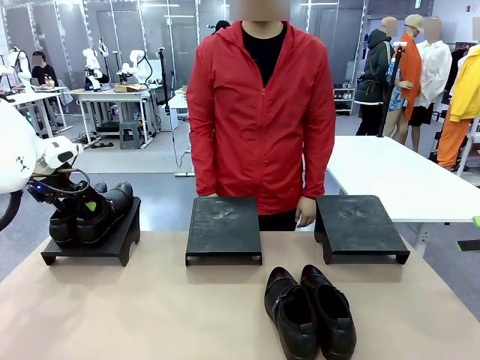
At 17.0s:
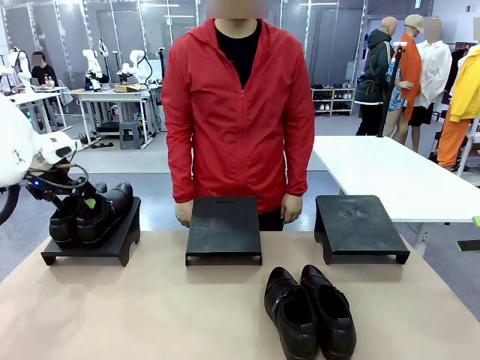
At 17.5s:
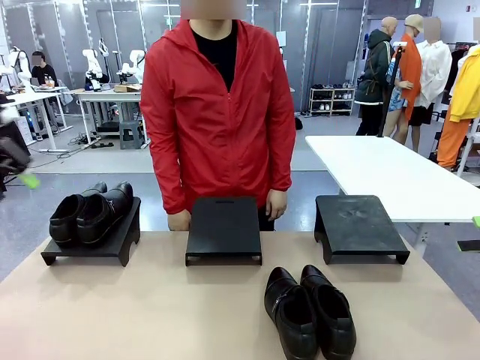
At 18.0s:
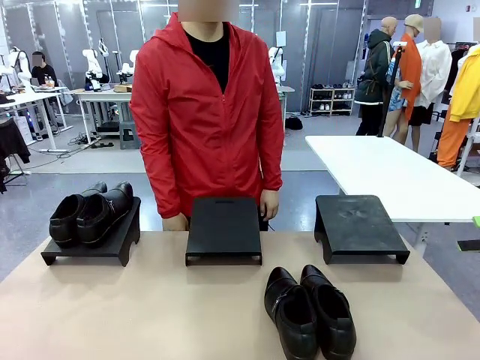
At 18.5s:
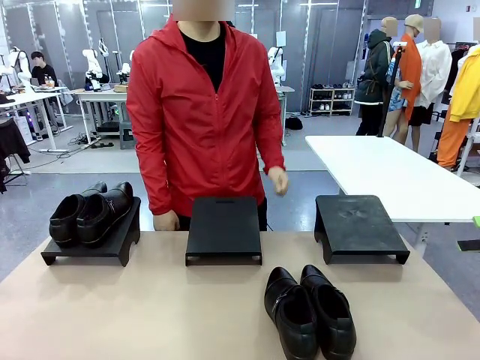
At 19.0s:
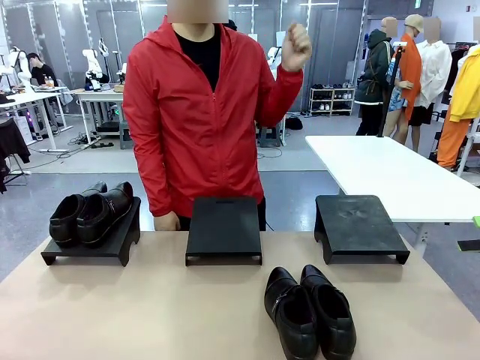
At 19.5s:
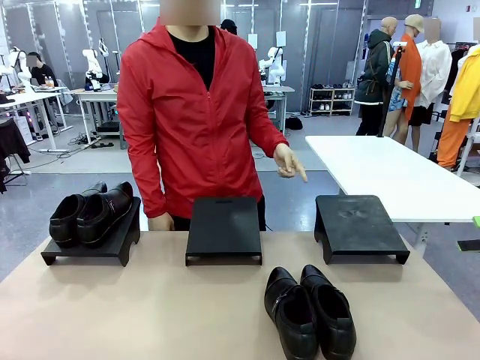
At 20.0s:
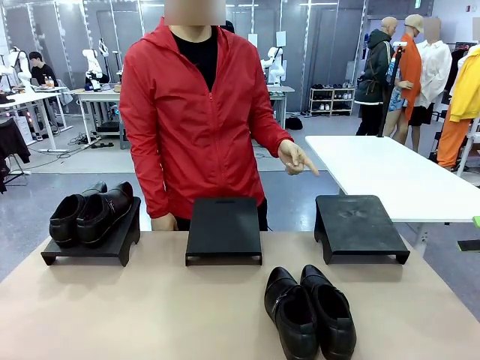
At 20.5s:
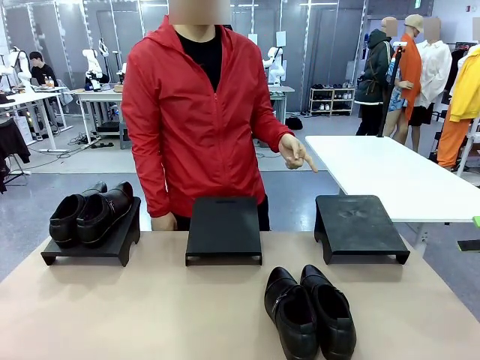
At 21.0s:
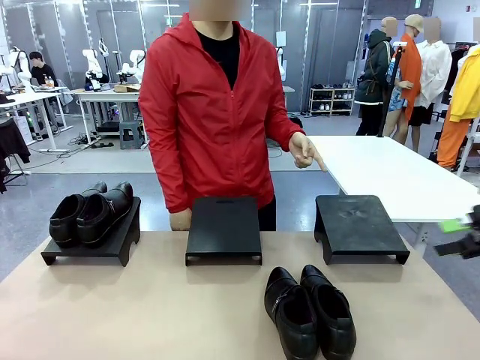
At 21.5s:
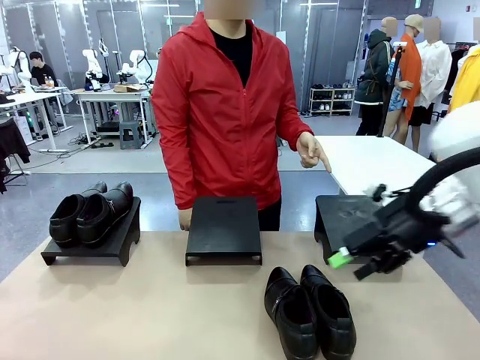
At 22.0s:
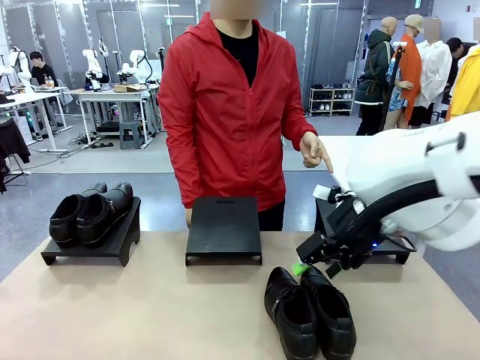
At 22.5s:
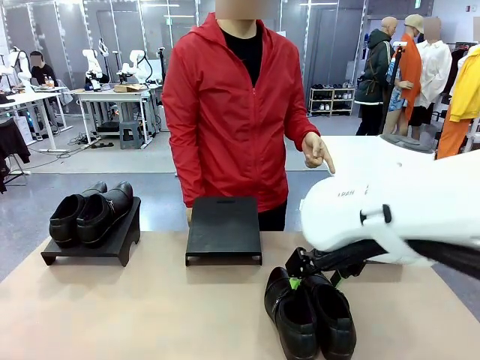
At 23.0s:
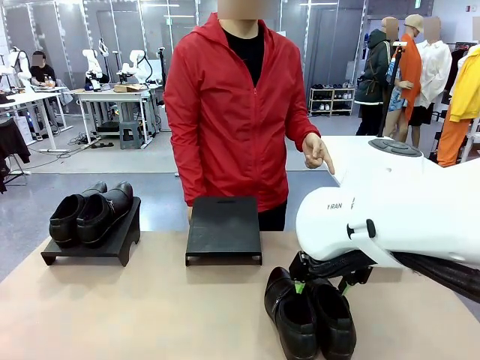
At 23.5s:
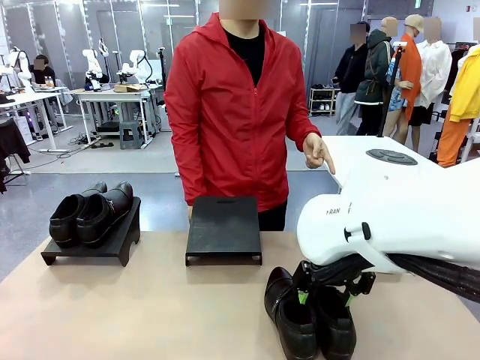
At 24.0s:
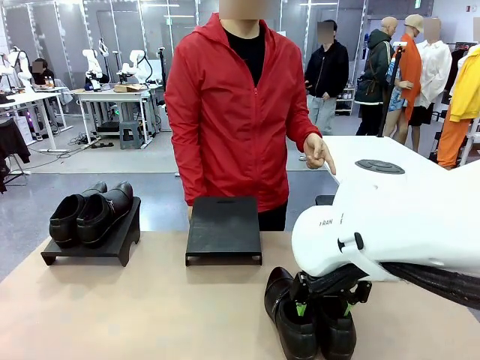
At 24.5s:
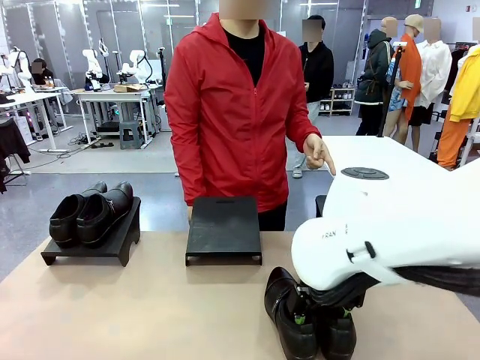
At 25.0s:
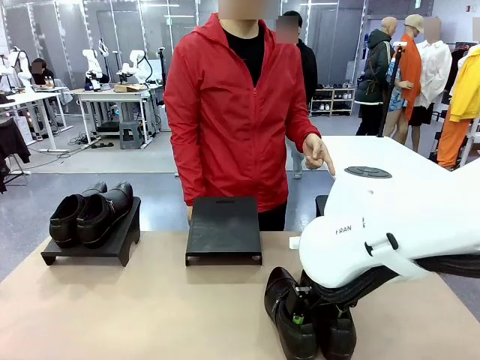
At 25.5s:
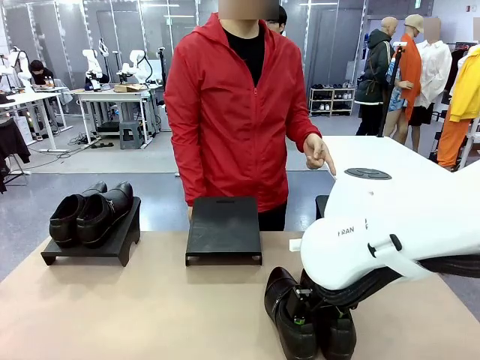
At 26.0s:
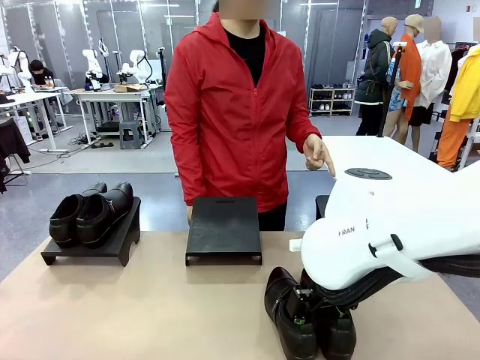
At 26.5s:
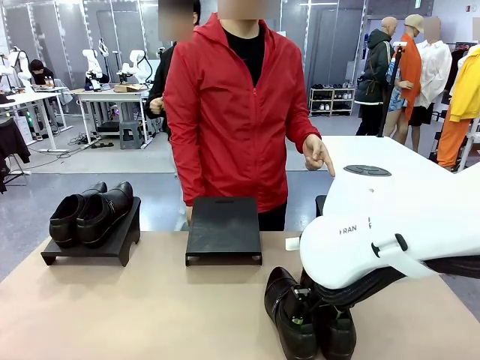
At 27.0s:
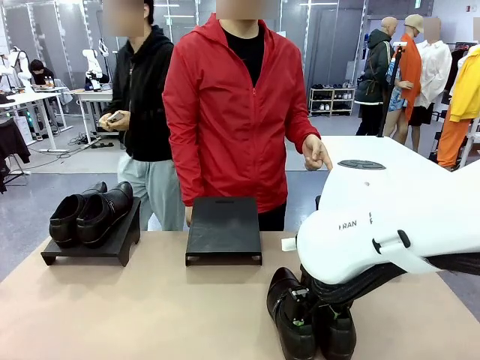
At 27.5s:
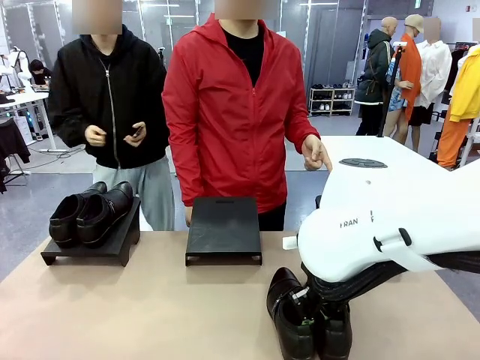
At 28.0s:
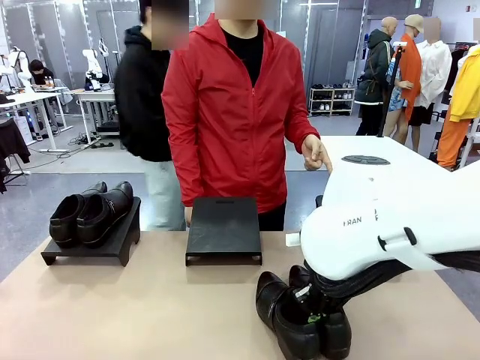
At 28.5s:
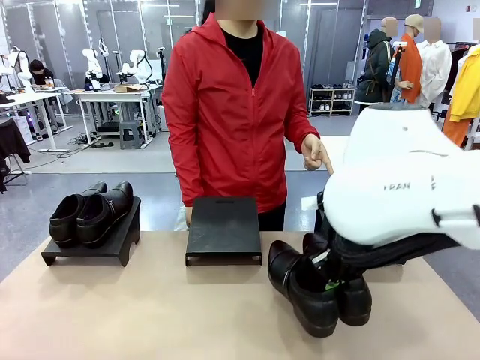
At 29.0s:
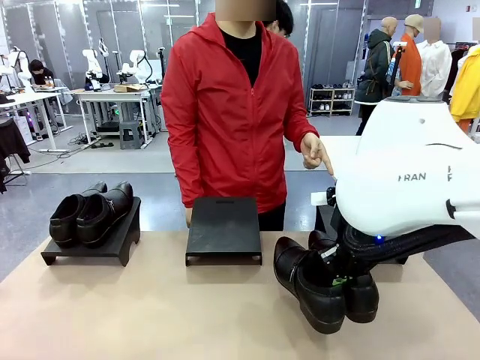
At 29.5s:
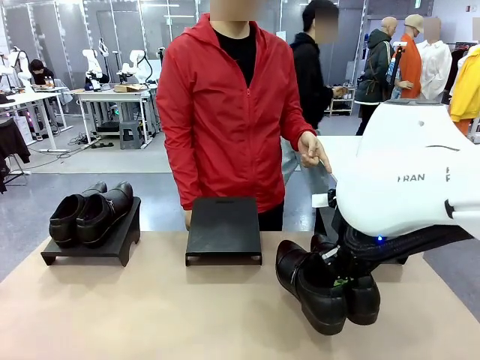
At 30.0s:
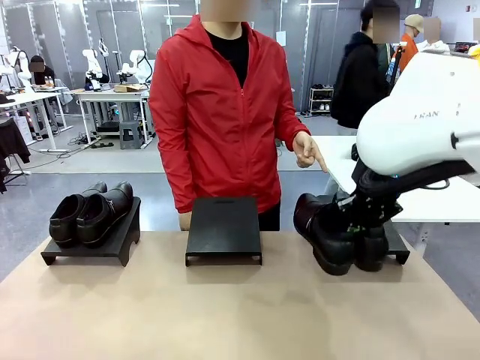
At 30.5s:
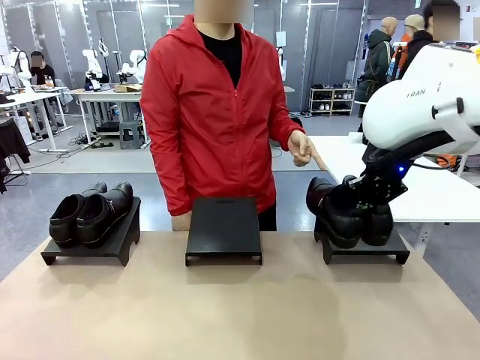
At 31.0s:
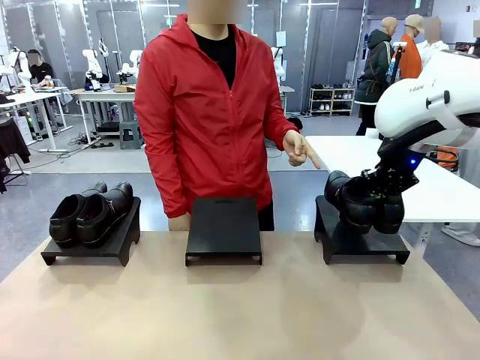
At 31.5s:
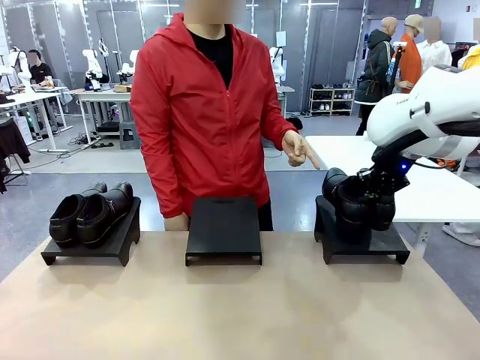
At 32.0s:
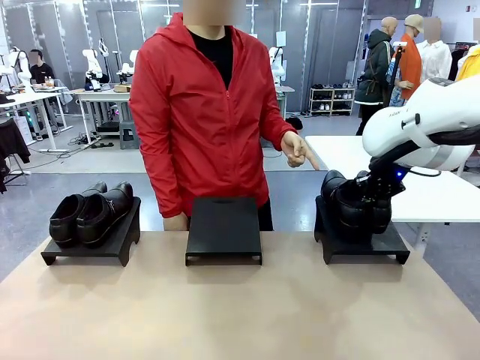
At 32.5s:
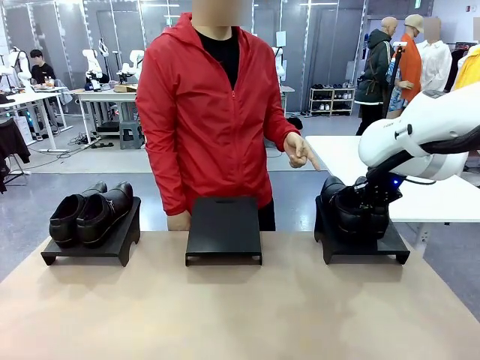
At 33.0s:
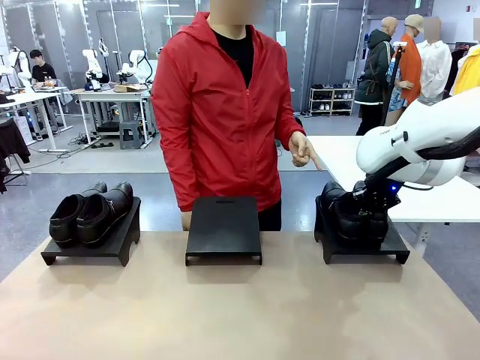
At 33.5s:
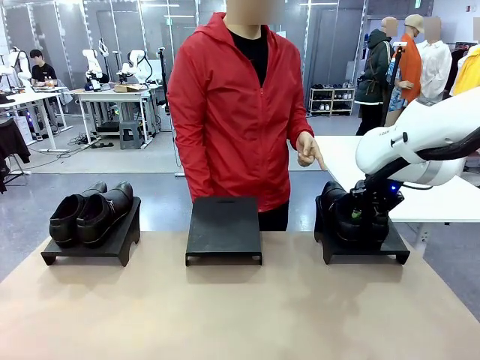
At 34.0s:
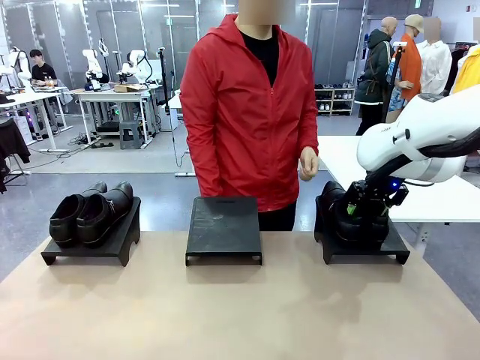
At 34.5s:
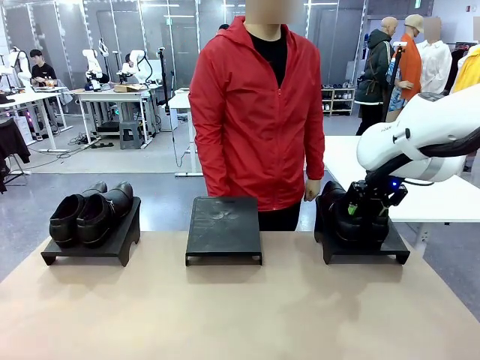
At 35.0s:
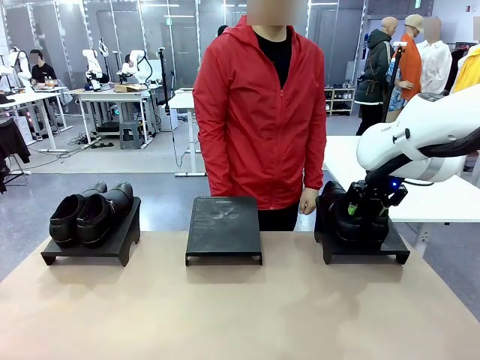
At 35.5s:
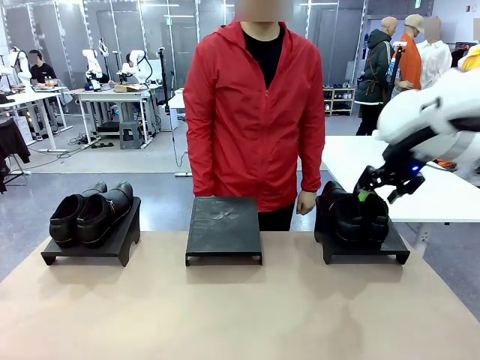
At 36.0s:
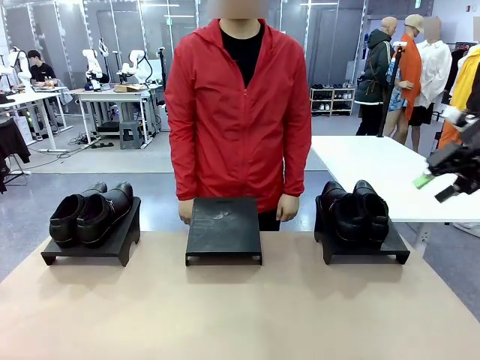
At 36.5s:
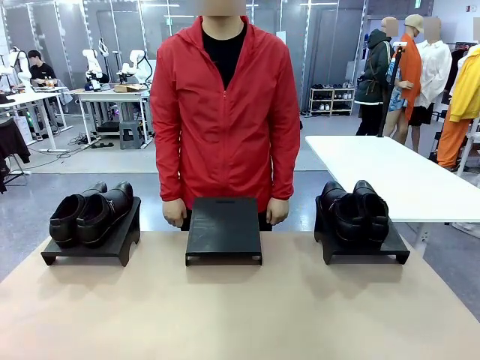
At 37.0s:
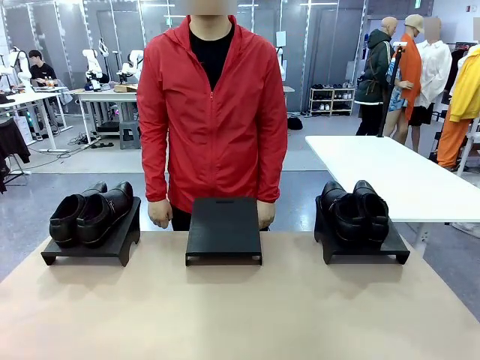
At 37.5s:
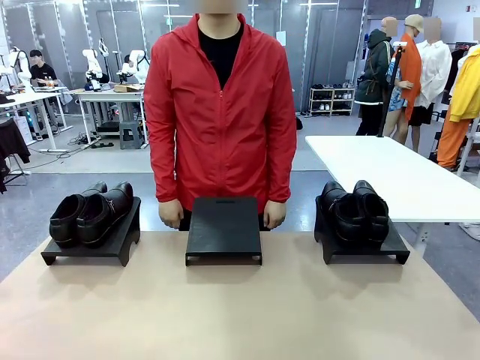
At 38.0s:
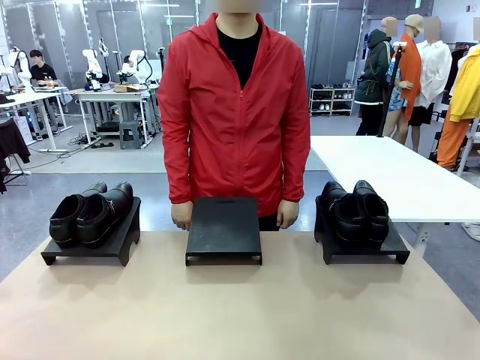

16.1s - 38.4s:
Task: Place the shoes on the stand as instructed by the person.
Robot: Pick up another pair of Shoes and place it on the Shoes Stand indicated by the person.
Person: Point to one Shoes Stand.
